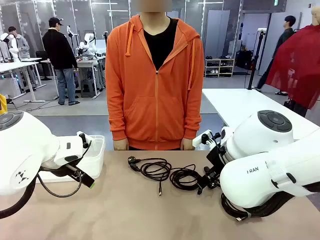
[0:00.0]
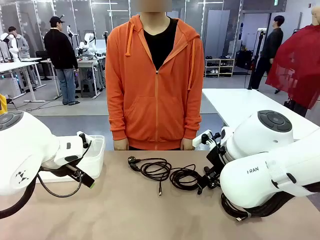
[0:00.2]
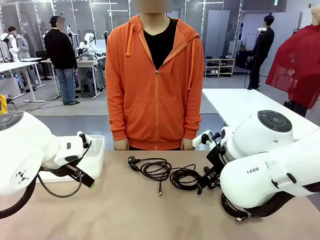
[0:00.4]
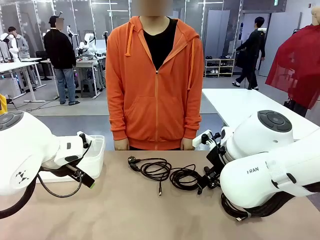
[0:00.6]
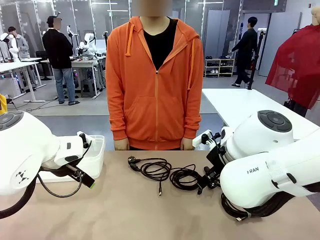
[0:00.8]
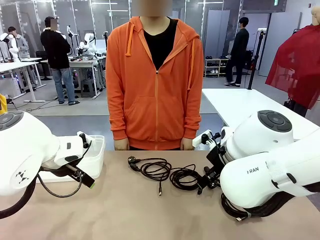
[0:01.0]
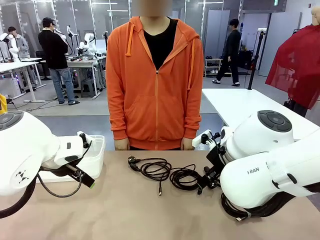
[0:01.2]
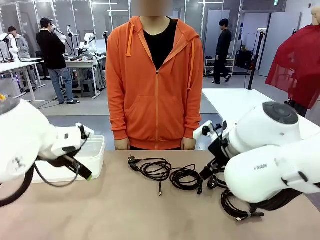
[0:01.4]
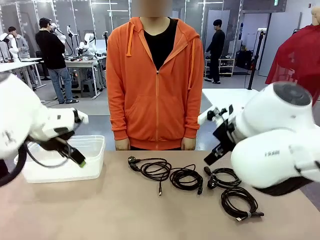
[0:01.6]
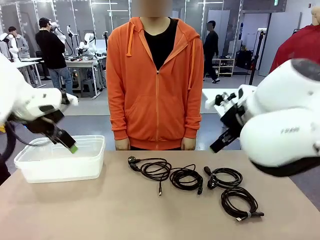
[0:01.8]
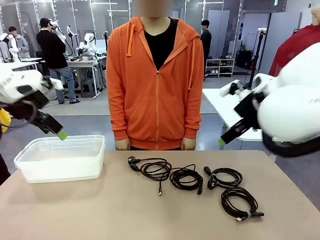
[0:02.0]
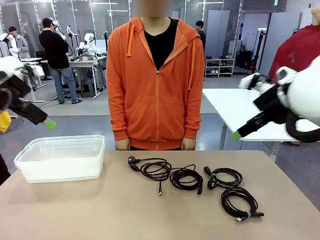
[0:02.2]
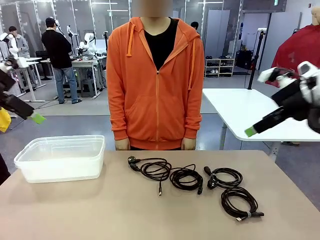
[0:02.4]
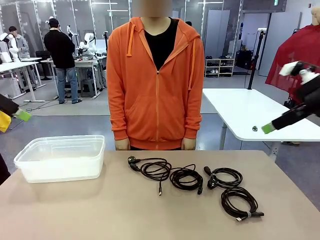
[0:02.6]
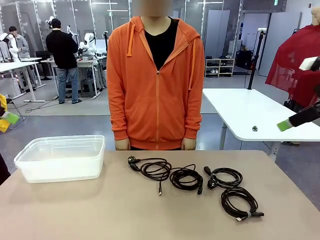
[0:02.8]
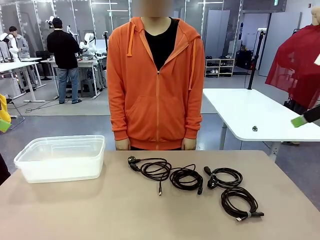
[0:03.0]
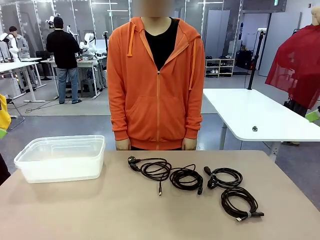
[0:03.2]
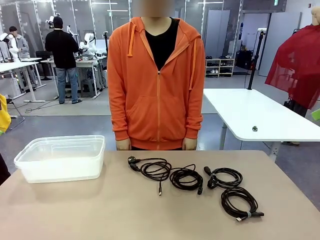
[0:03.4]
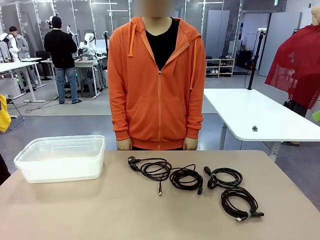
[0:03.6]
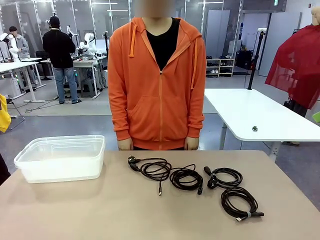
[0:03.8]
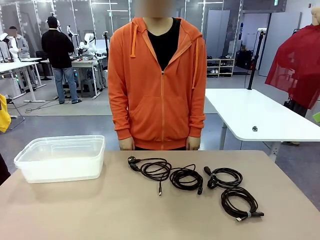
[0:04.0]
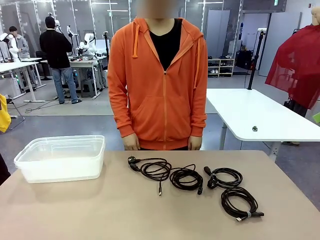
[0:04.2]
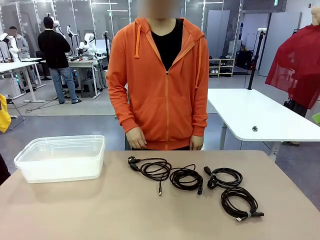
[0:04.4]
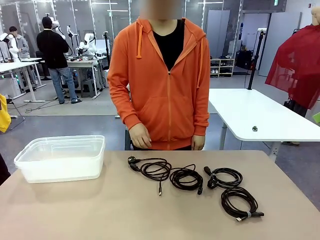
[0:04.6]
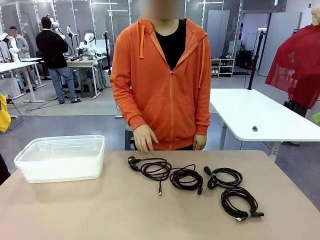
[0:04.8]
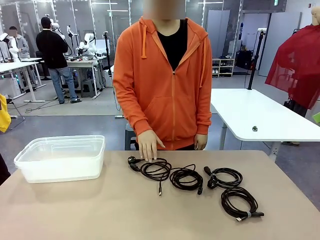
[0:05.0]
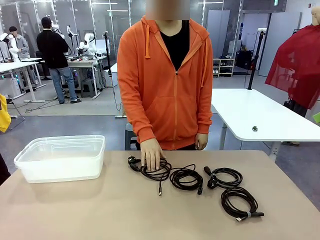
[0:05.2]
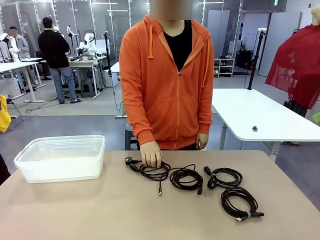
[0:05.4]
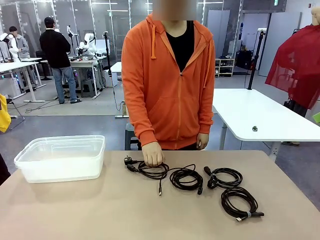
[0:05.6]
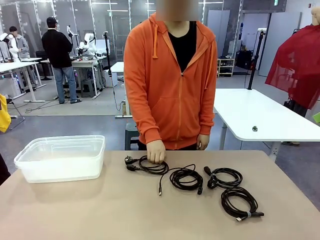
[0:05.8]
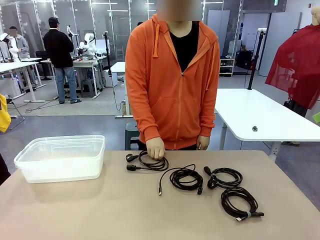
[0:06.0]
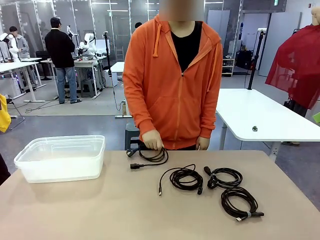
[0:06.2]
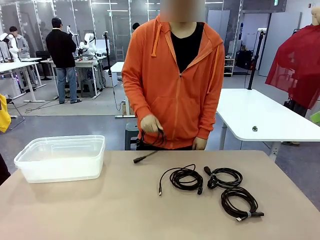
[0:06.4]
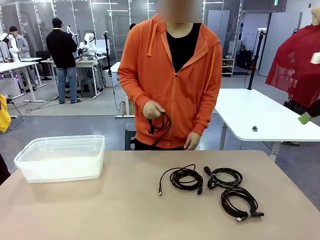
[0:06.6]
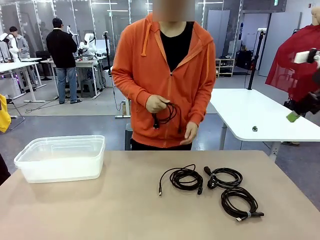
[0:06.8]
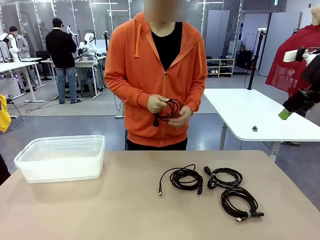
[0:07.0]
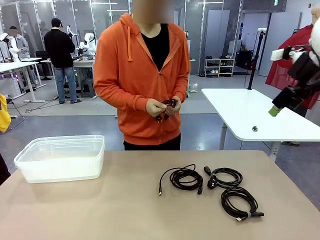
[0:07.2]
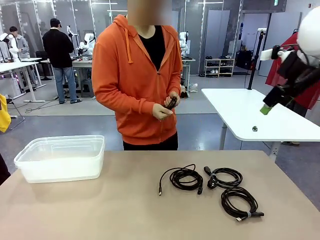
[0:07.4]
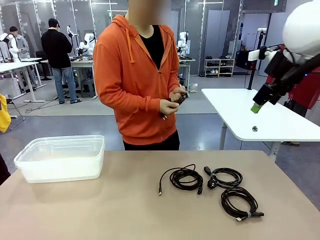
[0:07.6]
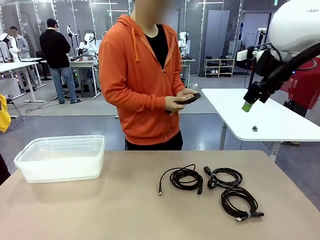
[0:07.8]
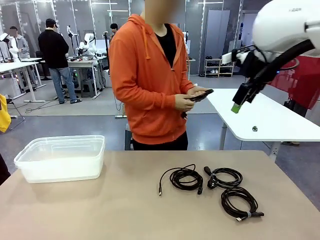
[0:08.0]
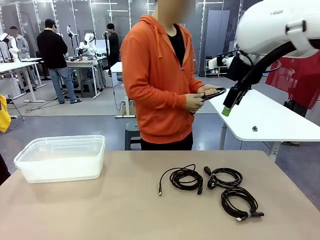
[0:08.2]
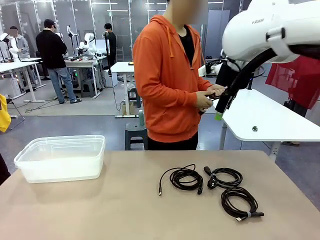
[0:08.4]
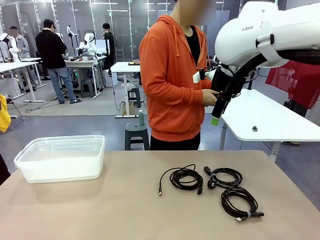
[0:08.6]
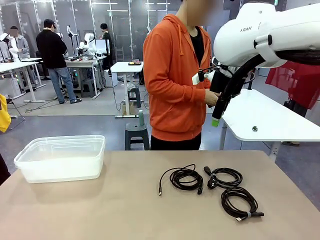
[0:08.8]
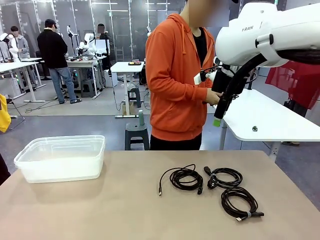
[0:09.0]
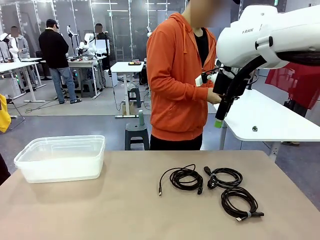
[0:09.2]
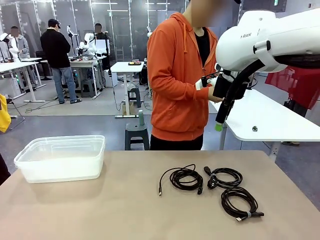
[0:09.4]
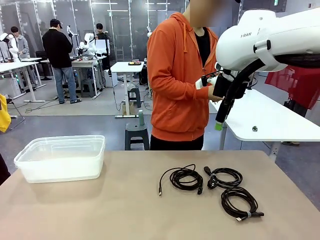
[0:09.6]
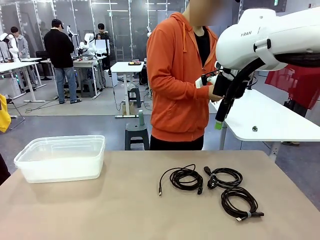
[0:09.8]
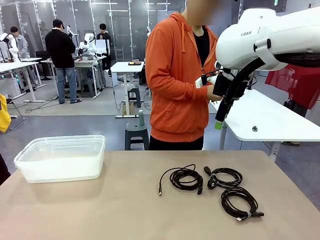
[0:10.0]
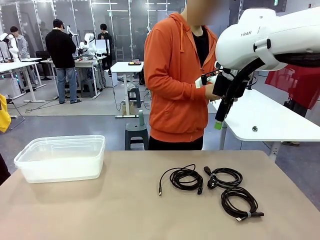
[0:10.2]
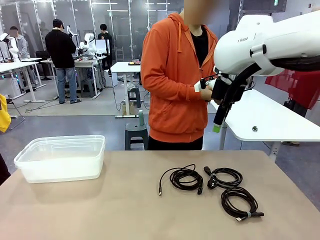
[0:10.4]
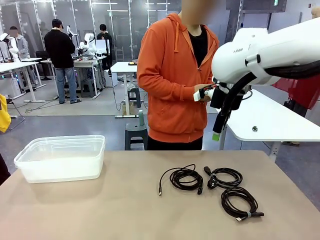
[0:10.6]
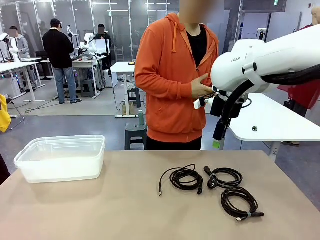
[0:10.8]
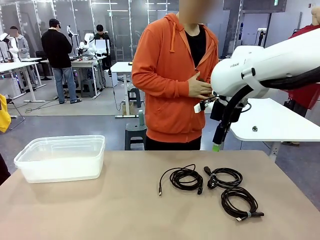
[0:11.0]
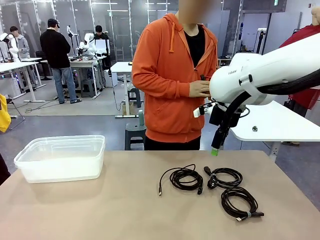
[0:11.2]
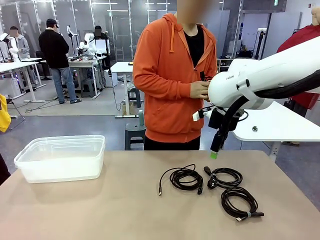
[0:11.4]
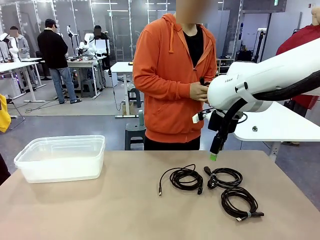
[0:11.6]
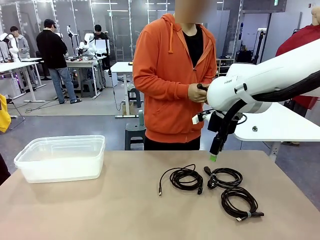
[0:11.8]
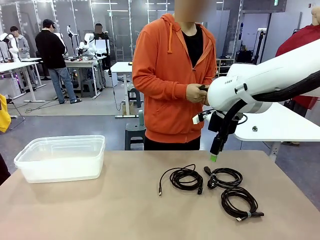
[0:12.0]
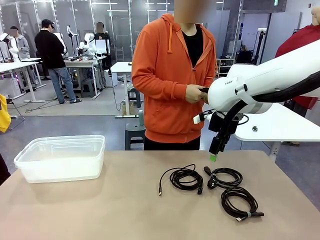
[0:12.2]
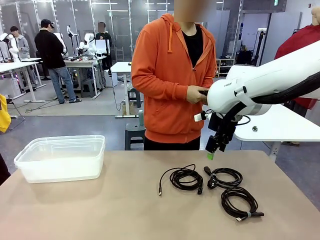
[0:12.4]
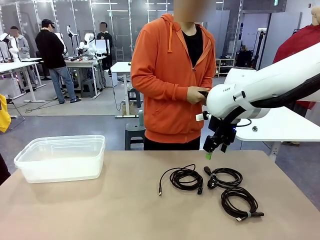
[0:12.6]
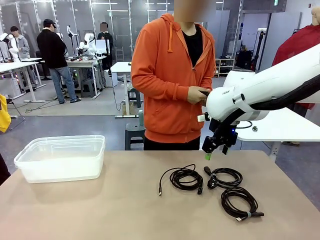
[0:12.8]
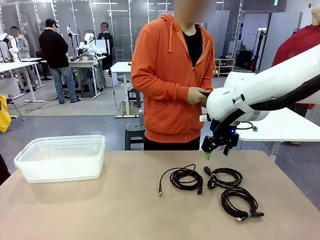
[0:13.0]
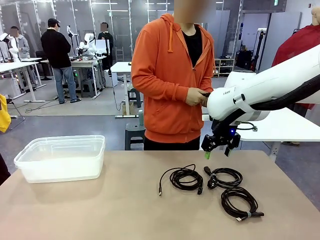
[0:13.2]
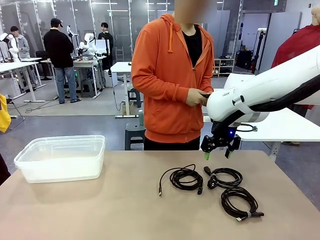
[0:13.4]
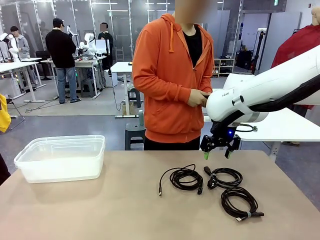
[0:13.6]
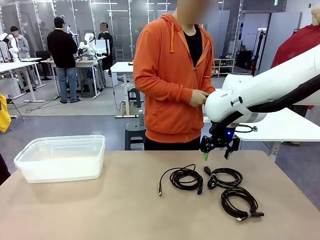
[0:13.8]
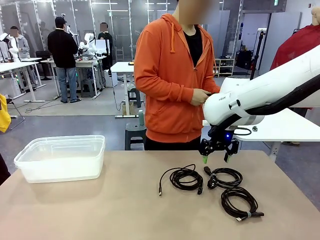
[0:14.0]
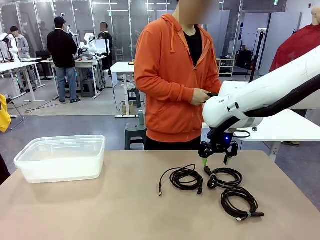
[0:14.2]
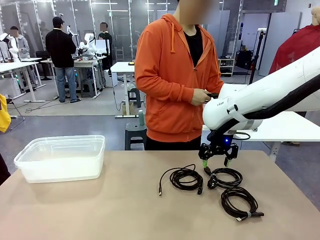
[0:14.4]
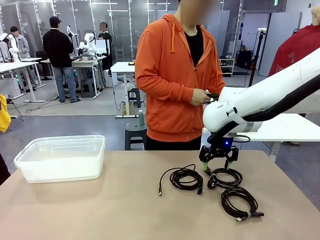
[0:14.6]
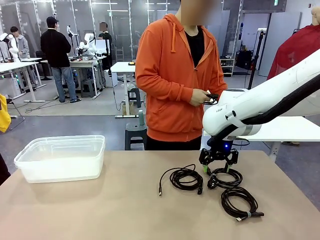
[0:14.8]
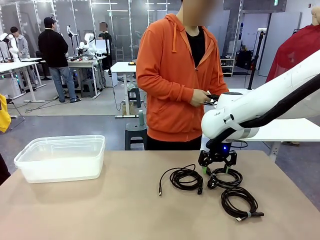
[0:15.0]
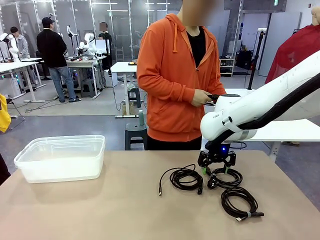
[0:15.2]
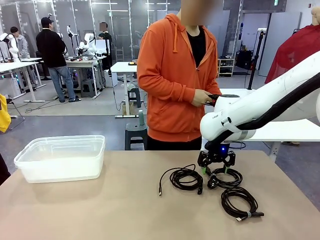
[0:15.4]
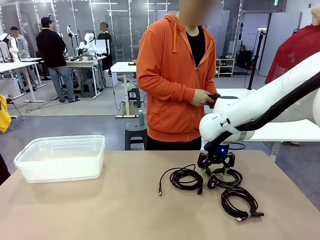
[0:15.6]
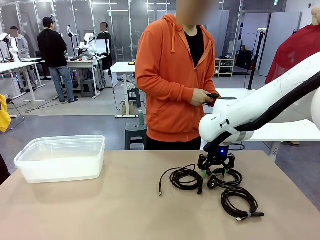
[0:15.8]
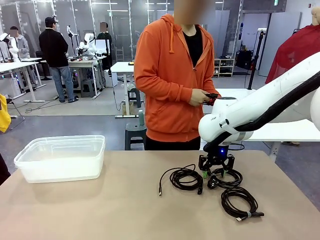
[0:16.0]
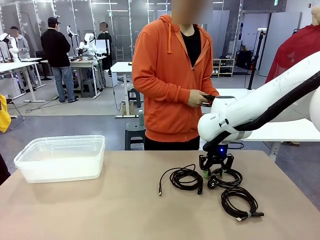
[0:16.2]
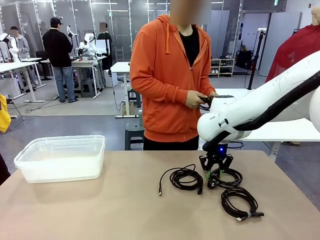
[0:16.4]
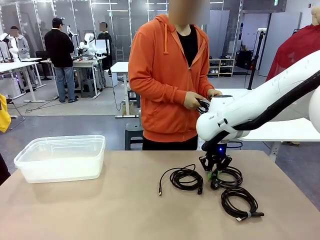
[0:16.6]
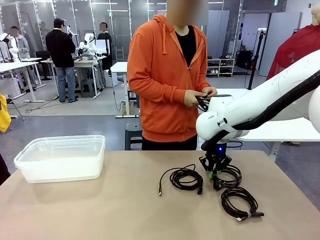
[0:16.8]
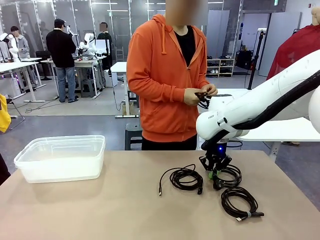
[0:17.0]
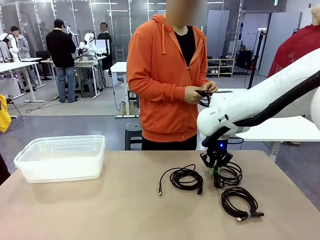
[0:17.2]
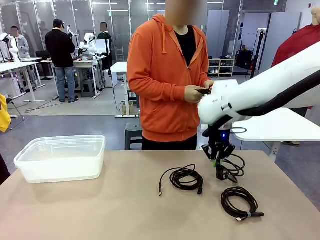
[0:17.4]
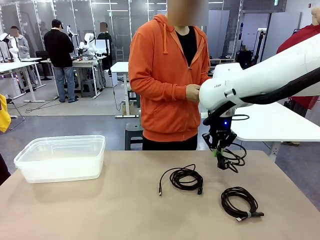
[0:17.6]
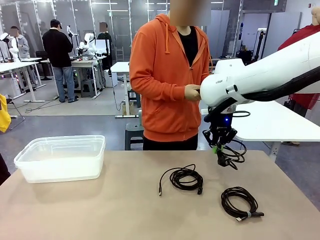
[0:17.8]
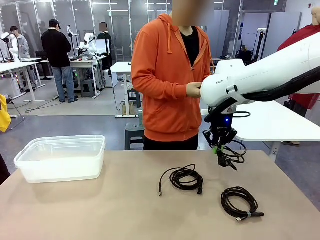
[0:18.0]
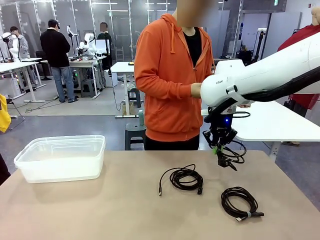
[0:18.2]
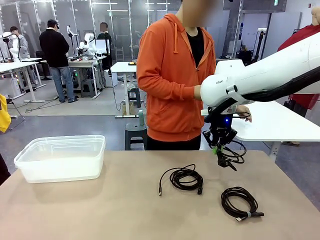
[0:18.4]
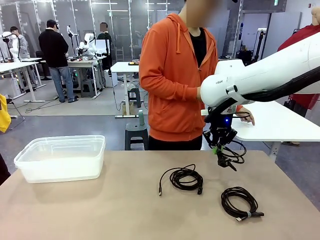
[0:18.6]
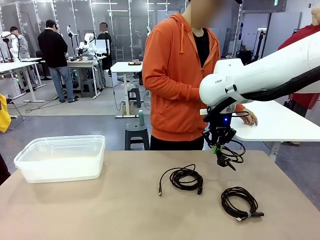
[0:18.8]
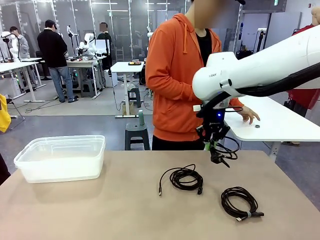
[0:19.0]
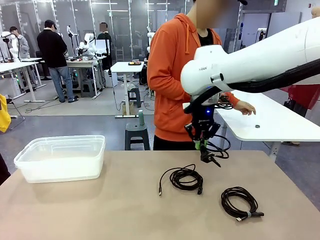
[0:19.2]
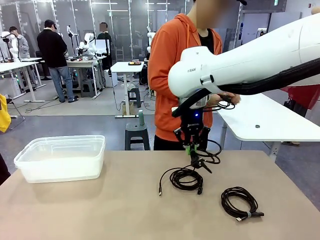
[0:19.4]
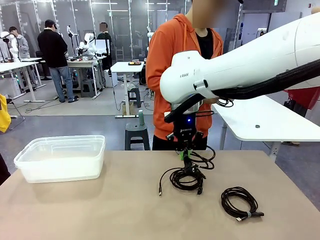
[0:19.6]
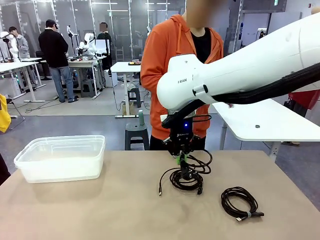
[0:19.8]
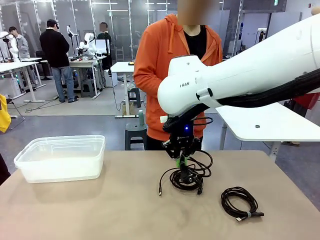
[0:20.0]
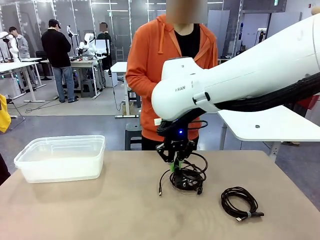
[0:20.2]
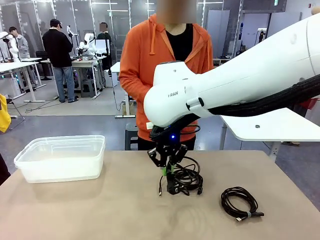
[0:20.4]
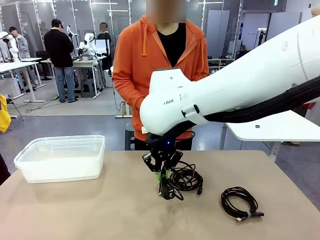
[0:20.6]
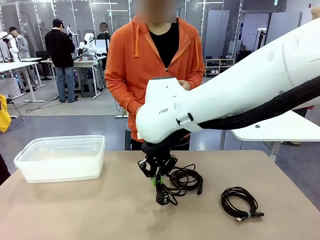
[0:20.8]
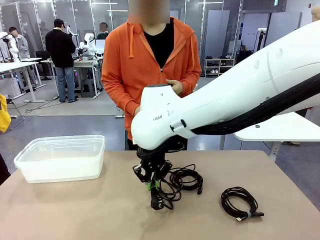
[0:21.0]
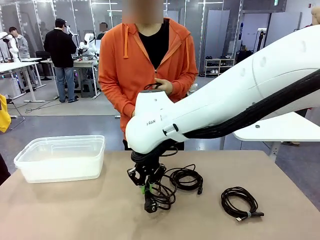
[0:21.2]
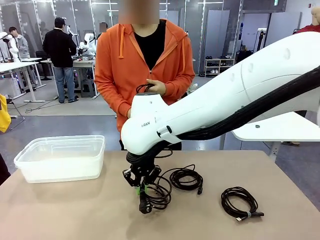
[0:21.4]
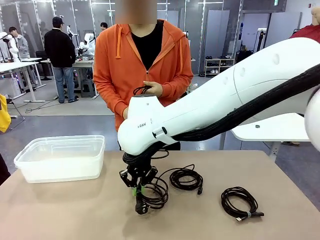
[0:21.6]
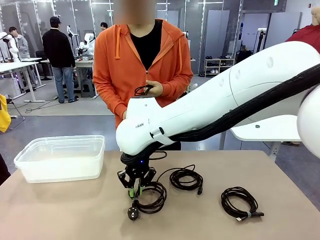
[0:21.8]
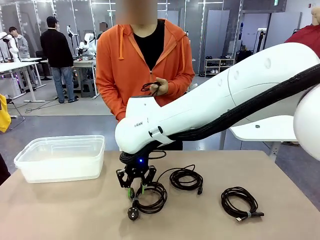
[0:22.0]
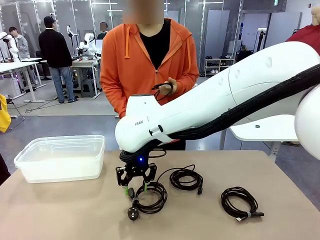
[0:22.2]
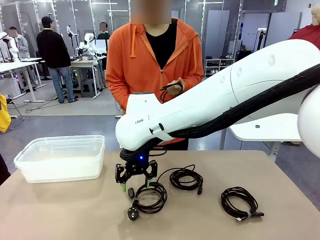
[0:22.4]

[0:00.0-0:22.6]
Task: Organize and store the cables.
Robot: Place the Power Cable into the Organizing box.
